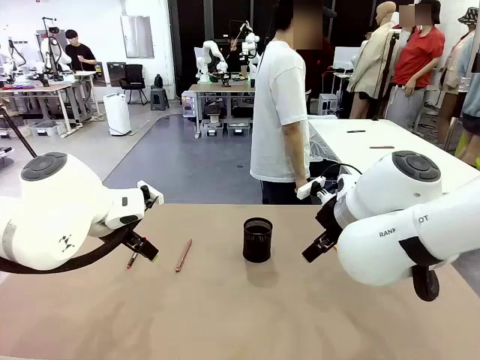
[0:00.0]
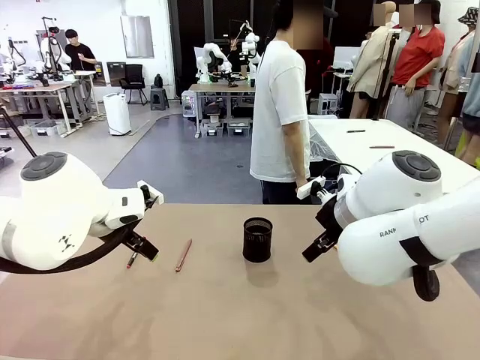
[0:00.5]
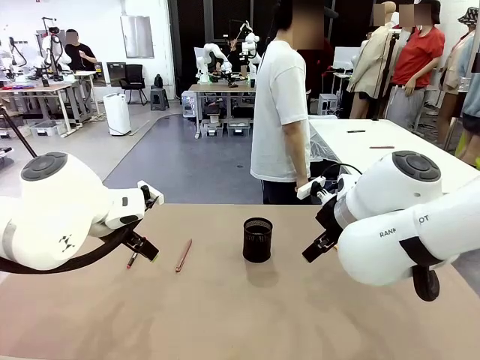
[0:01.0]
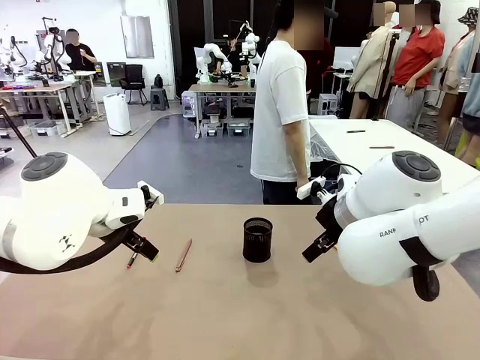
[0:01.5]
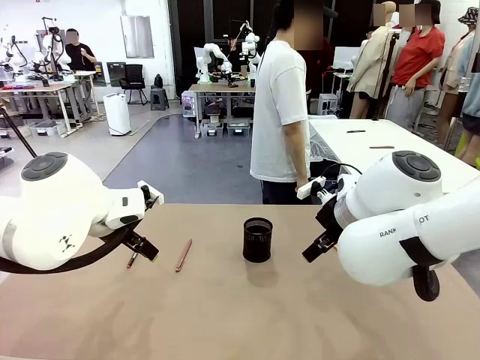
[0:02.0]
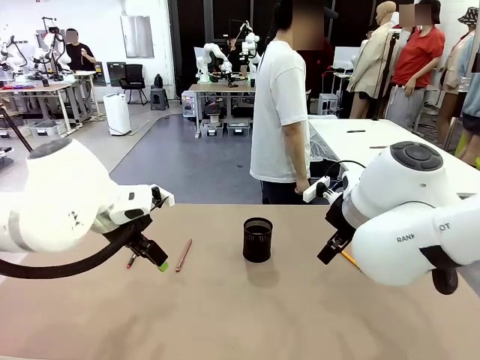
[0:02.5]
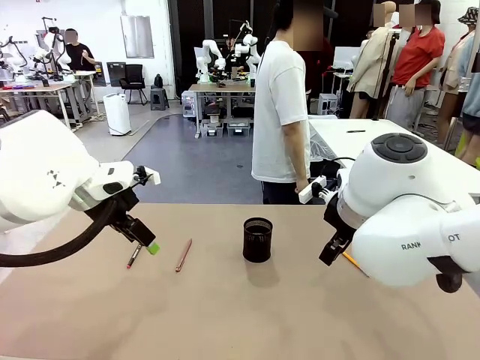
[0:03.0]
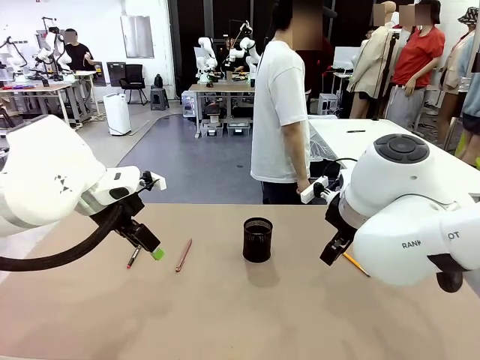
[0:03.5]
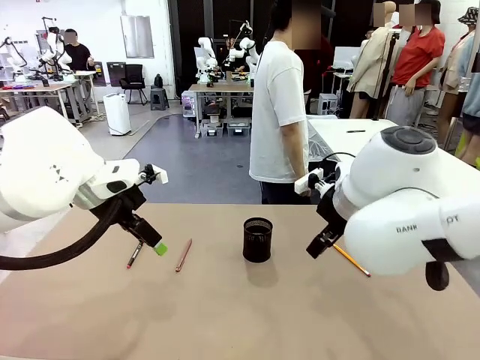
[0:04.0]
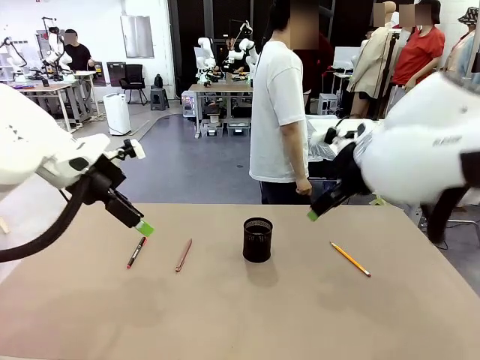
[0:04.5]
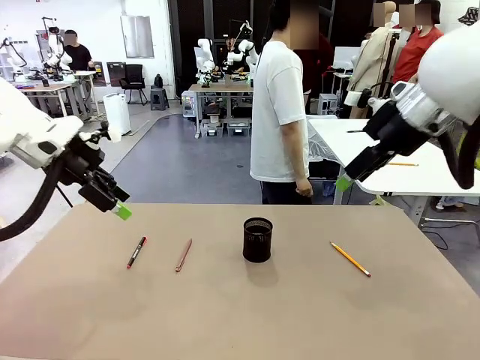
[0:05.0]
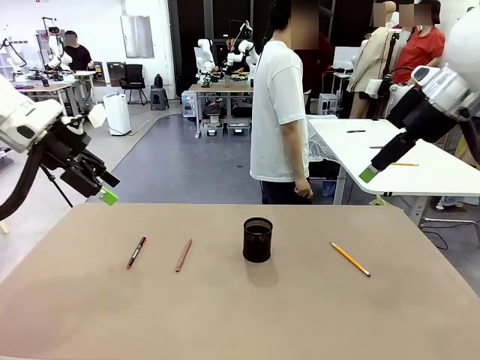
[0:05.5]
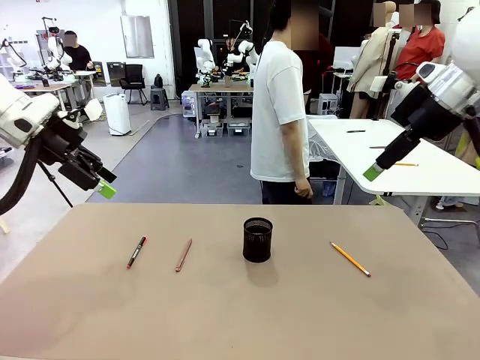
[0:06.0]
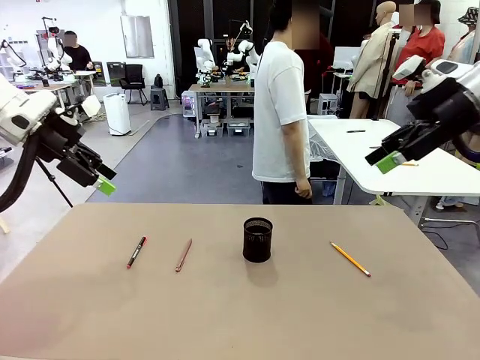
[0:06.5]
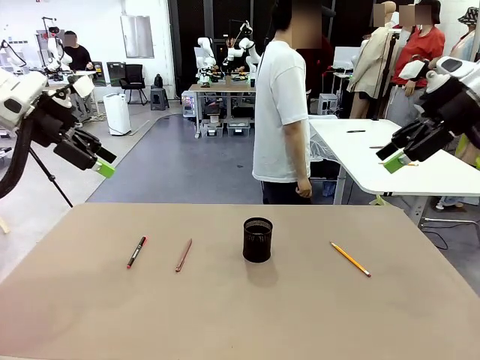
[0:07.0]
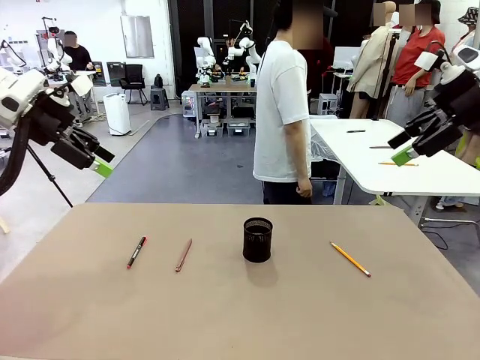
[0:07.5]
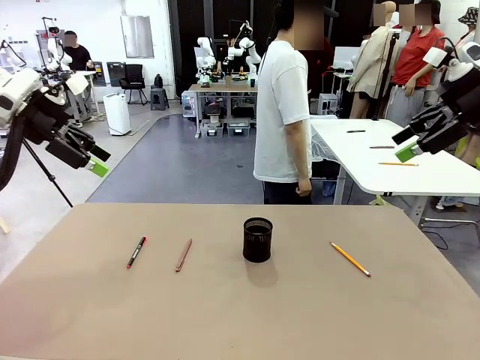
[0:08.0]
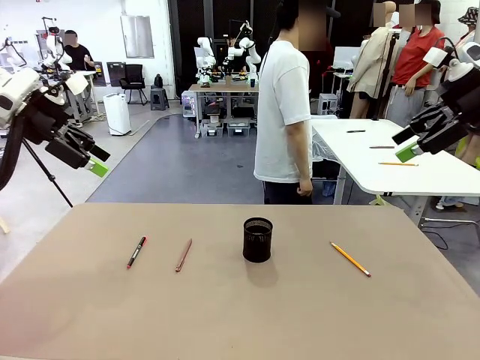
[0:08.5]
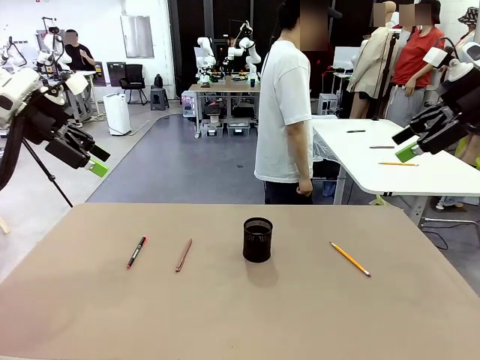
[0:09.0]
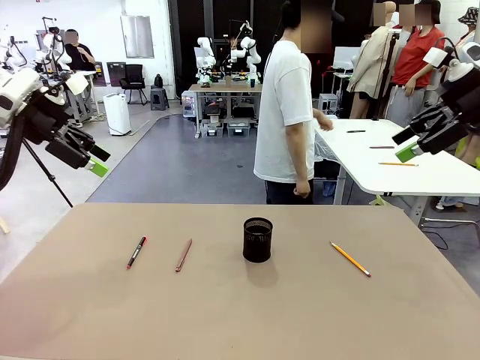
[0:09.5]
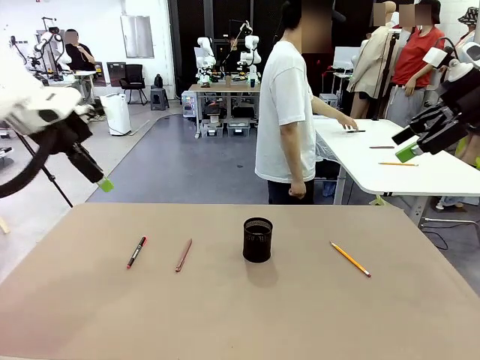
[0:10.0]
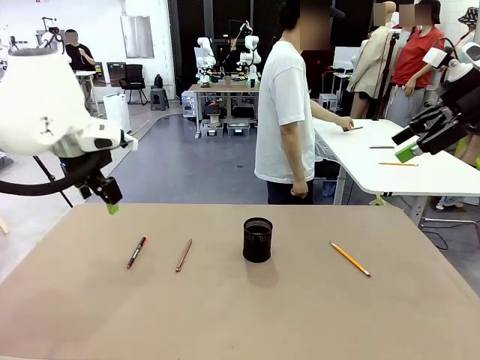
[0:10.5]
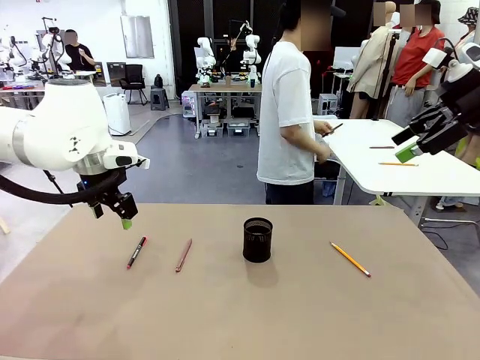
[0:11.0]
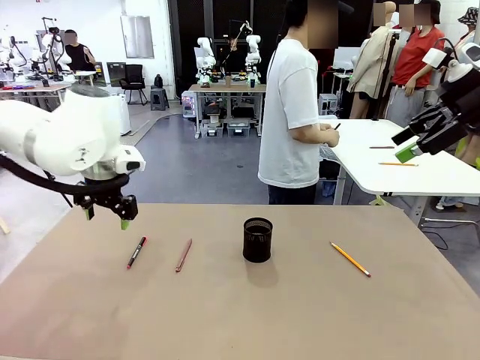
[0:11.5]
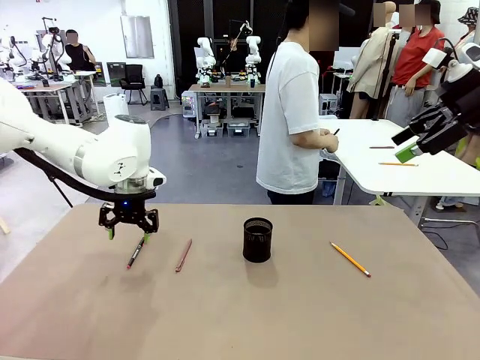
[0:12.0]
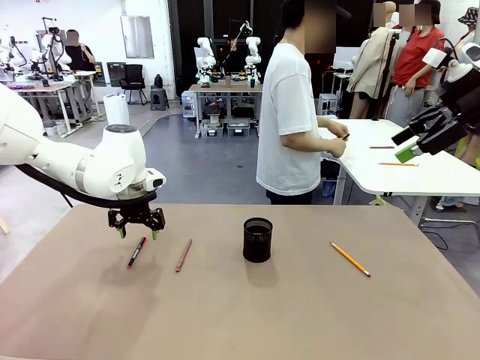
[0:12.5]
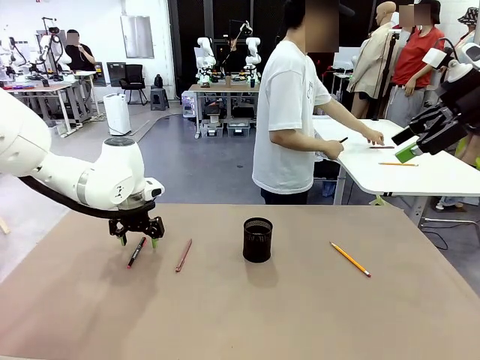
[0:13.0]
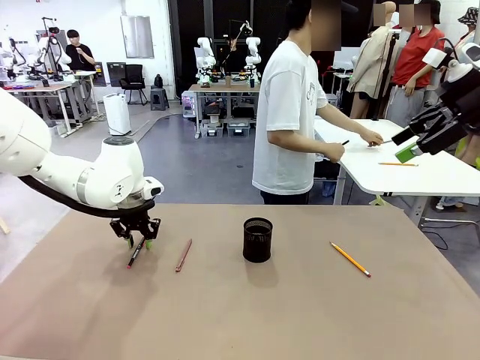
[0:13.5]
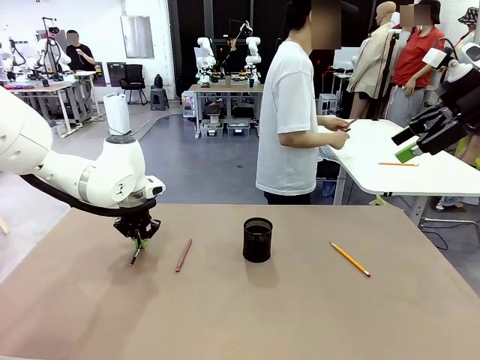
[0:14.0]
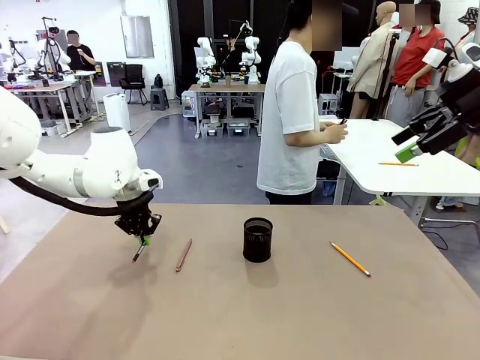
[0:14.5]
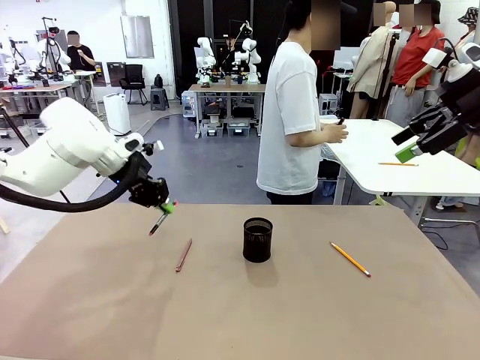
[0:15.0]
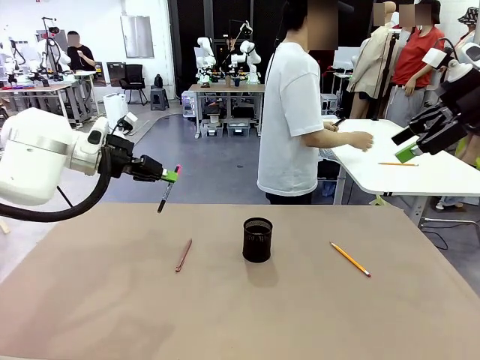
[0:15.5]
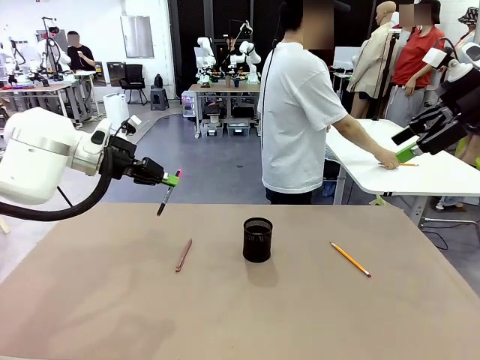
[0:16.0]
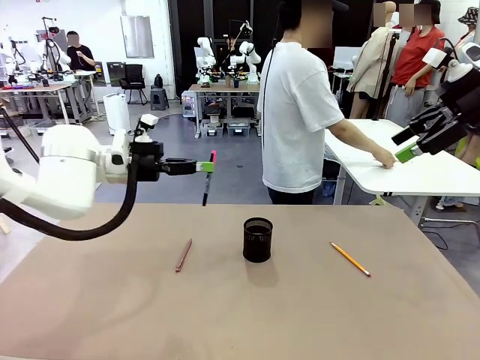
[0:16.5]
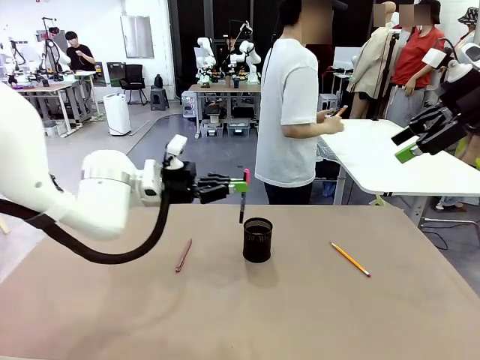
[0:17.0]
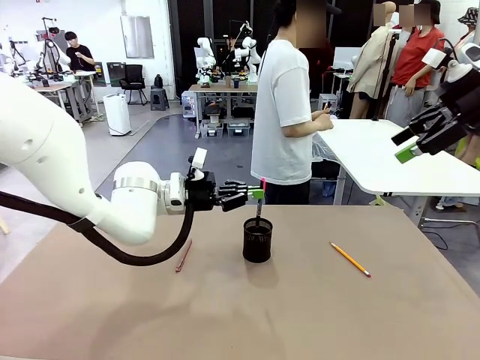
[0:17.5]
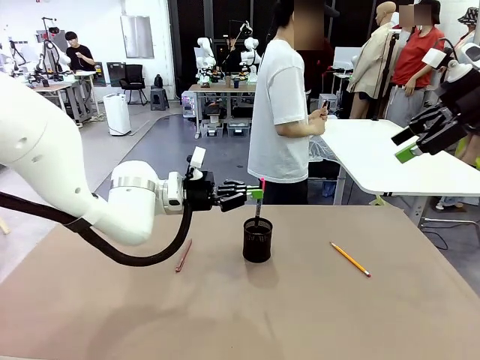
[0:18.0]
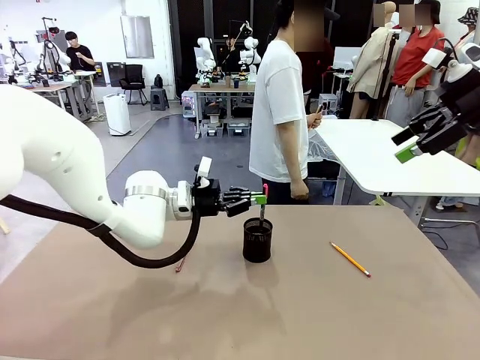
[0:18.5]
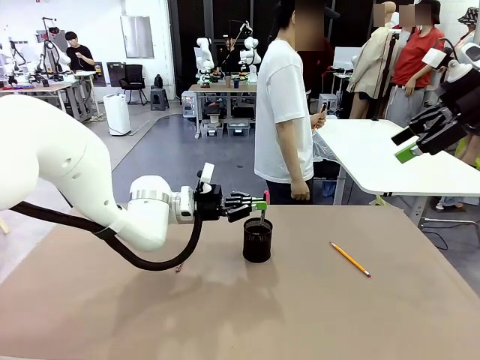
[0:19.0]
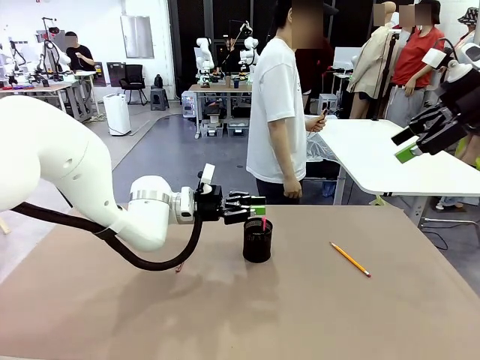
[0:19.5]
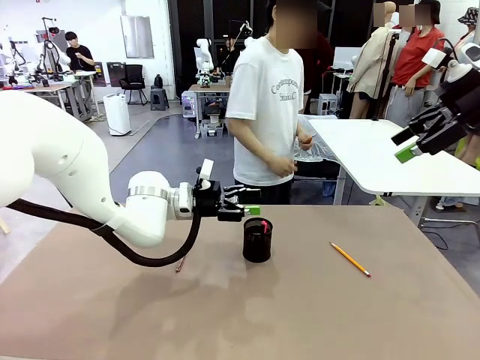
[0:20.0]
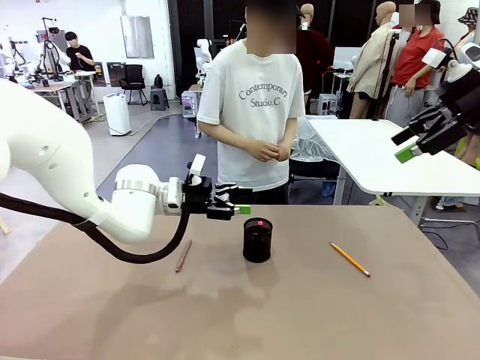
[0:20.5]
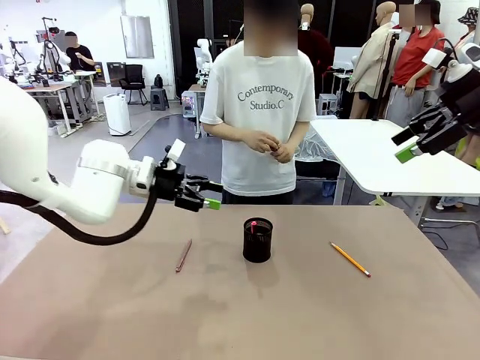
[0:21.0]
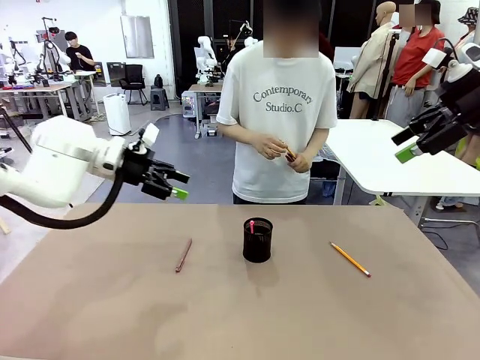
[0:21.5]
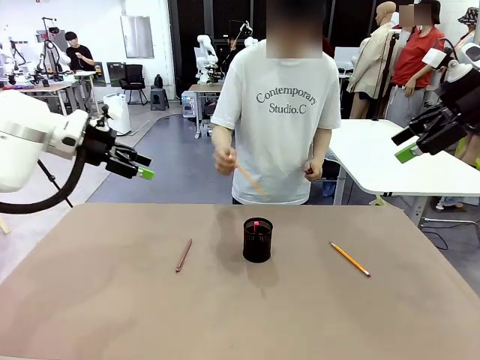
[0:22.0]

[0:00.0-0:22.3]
Task: Place the pens into the pen holder.
Robot: Pick up a writing instrument from the table and place it into the Pen holder.
Person: Pick up all writing instruments from the Human table.
